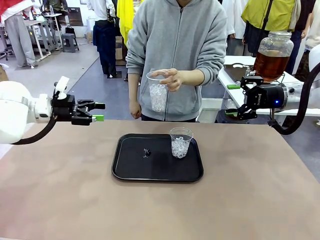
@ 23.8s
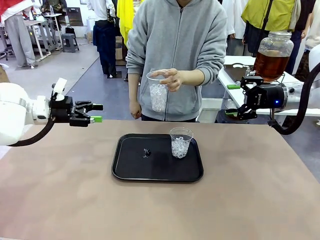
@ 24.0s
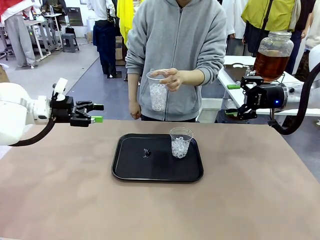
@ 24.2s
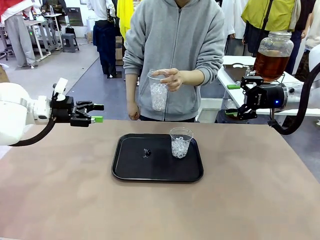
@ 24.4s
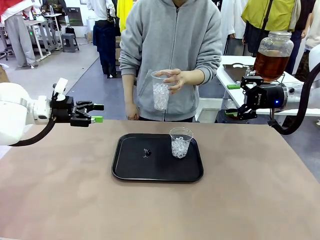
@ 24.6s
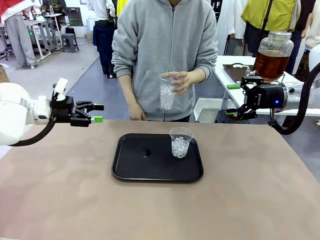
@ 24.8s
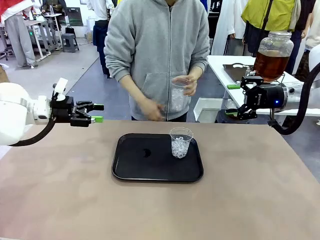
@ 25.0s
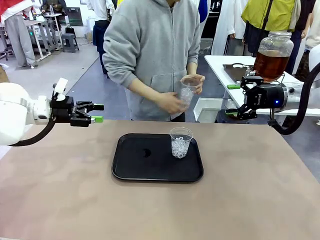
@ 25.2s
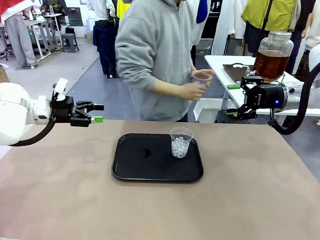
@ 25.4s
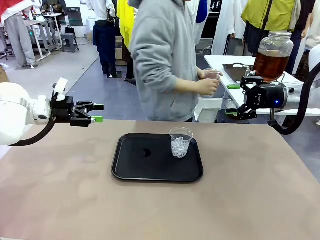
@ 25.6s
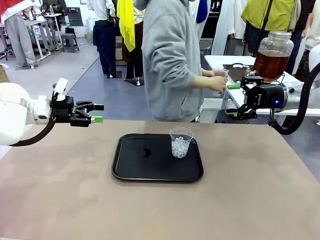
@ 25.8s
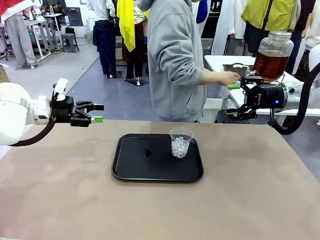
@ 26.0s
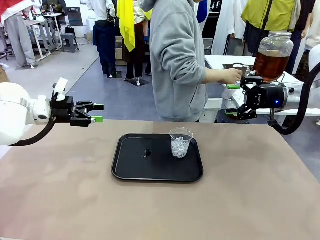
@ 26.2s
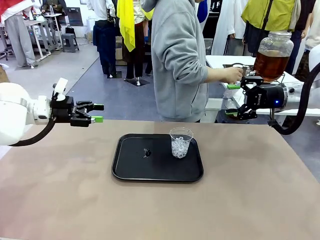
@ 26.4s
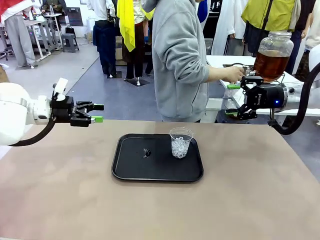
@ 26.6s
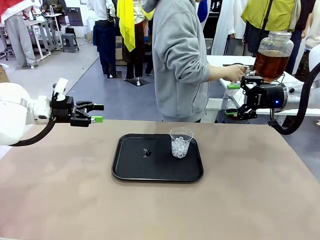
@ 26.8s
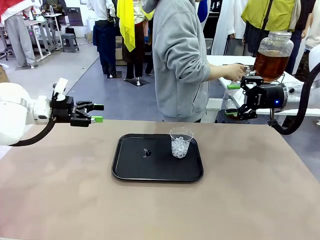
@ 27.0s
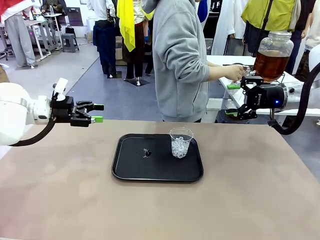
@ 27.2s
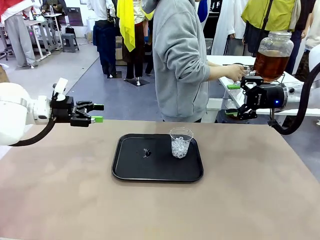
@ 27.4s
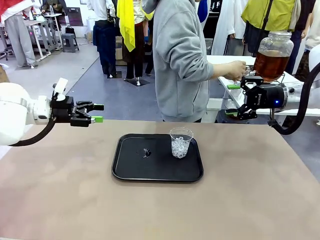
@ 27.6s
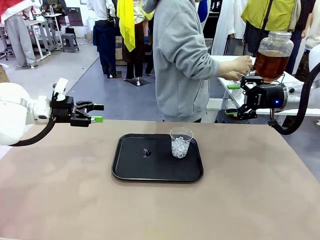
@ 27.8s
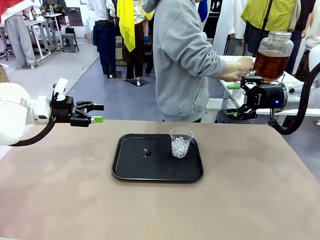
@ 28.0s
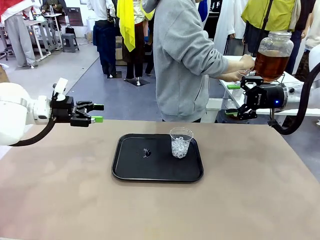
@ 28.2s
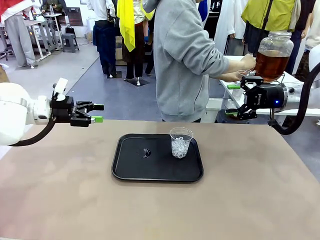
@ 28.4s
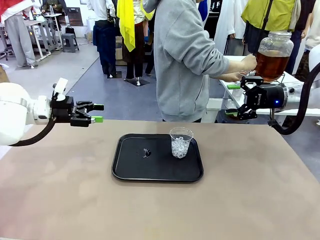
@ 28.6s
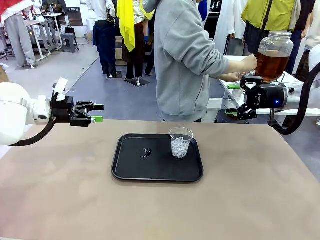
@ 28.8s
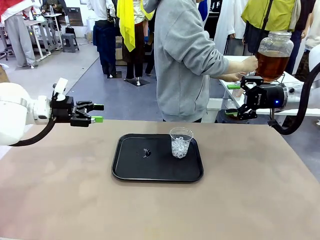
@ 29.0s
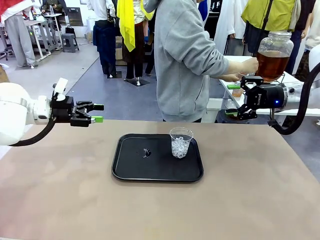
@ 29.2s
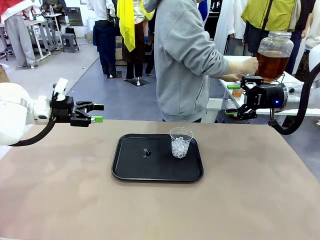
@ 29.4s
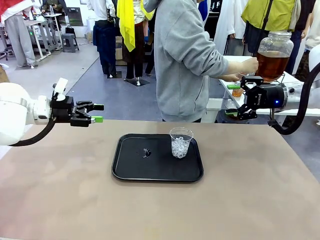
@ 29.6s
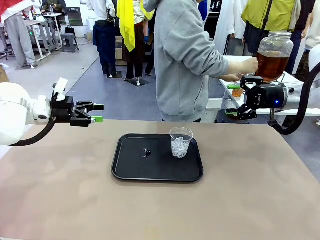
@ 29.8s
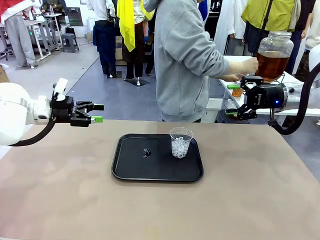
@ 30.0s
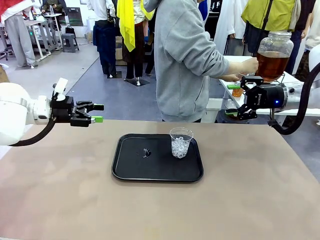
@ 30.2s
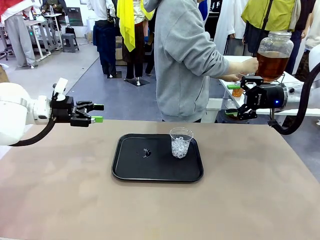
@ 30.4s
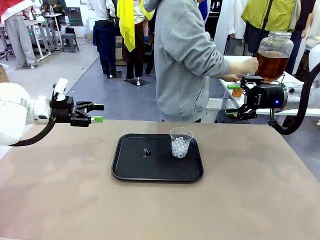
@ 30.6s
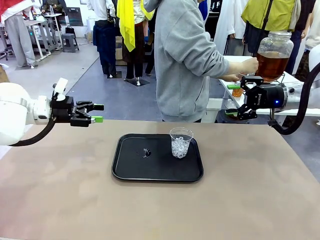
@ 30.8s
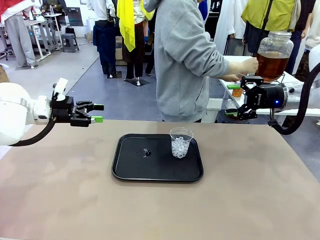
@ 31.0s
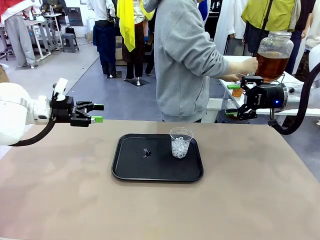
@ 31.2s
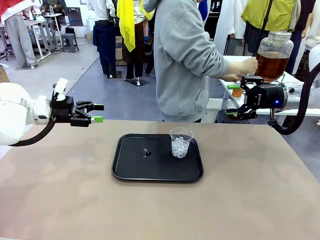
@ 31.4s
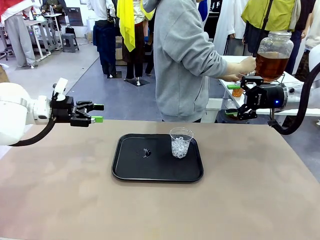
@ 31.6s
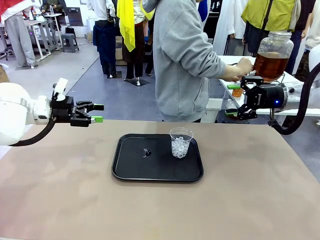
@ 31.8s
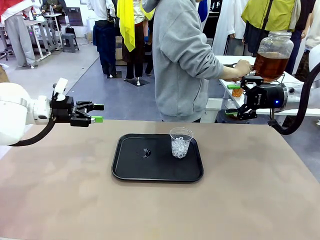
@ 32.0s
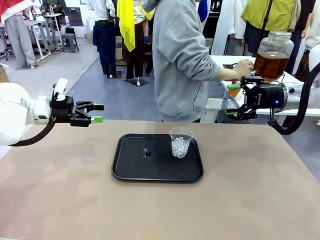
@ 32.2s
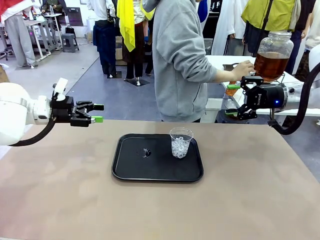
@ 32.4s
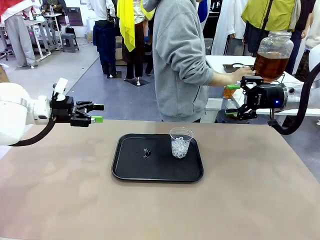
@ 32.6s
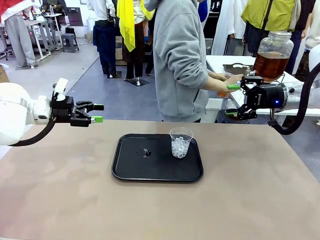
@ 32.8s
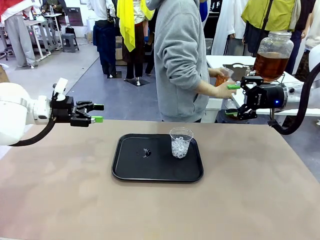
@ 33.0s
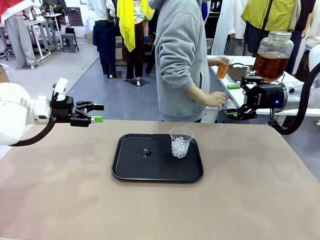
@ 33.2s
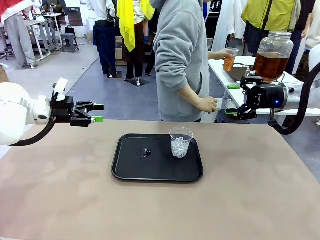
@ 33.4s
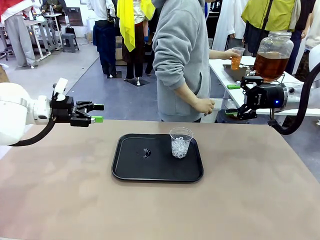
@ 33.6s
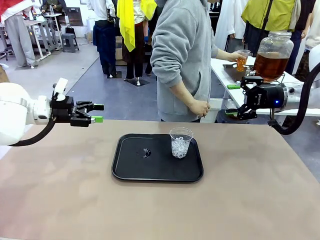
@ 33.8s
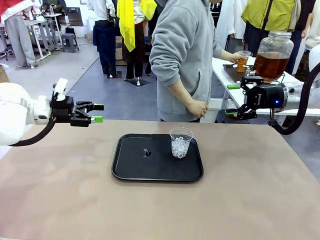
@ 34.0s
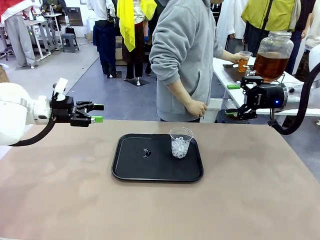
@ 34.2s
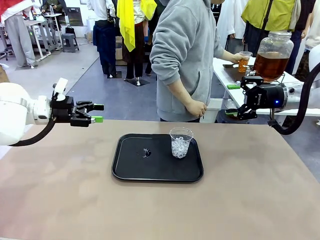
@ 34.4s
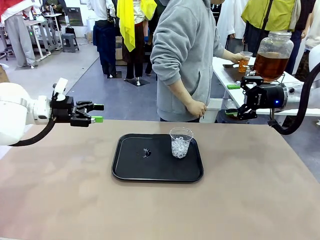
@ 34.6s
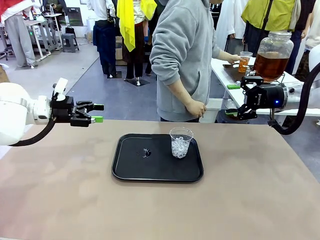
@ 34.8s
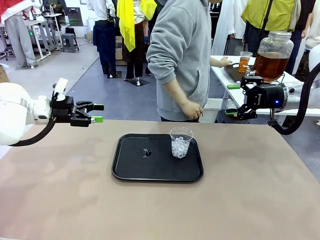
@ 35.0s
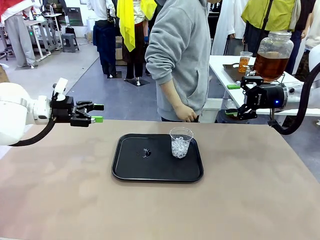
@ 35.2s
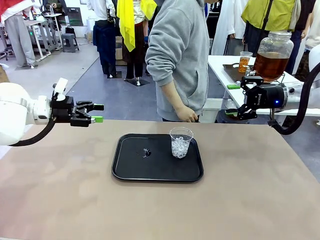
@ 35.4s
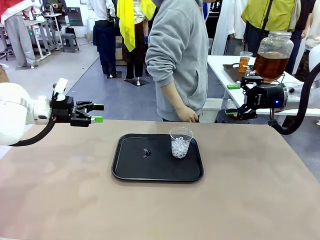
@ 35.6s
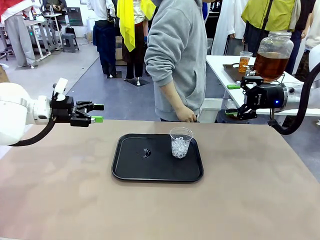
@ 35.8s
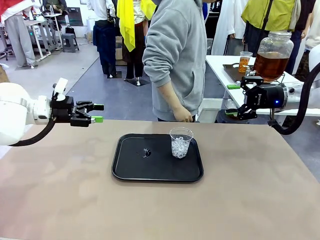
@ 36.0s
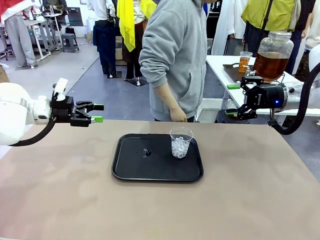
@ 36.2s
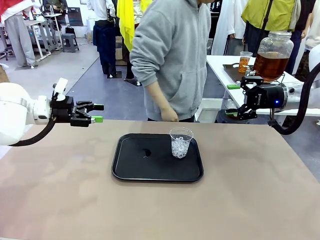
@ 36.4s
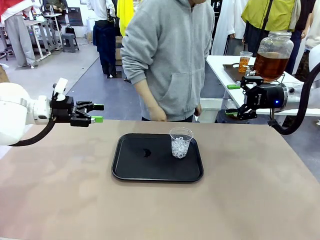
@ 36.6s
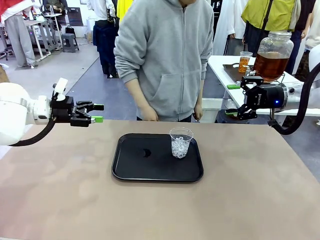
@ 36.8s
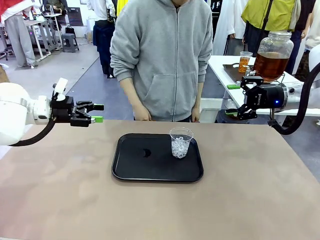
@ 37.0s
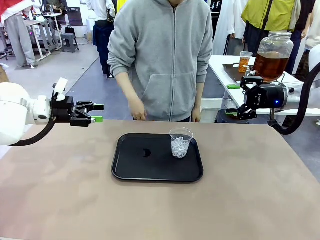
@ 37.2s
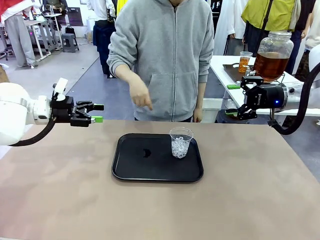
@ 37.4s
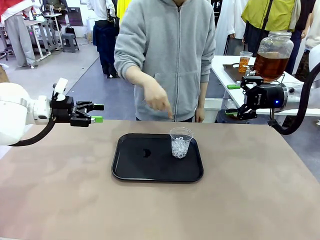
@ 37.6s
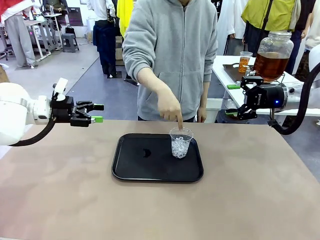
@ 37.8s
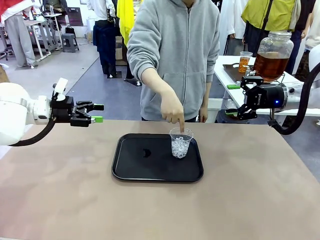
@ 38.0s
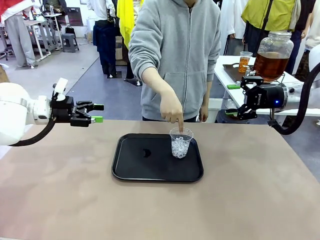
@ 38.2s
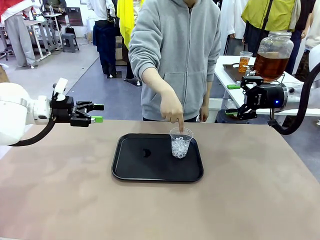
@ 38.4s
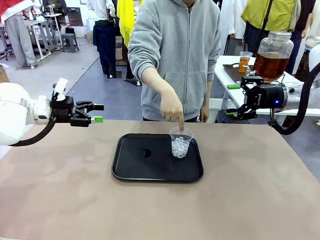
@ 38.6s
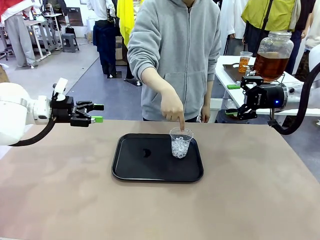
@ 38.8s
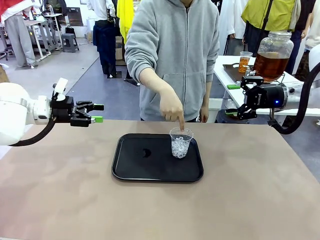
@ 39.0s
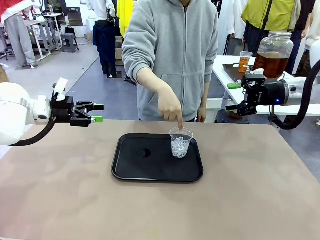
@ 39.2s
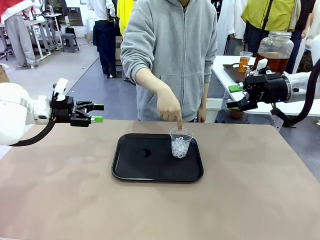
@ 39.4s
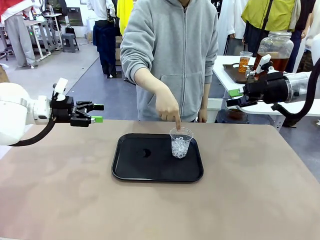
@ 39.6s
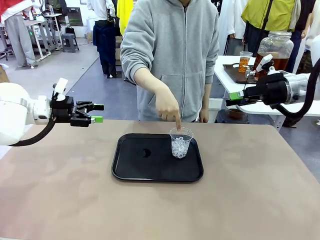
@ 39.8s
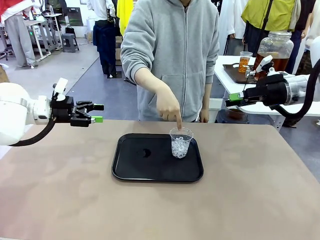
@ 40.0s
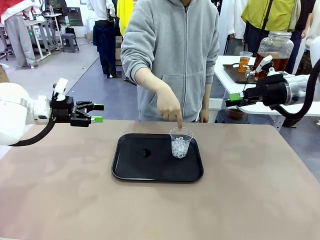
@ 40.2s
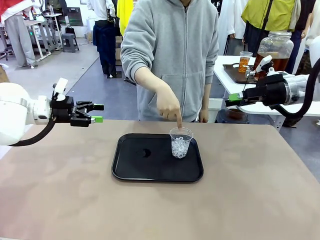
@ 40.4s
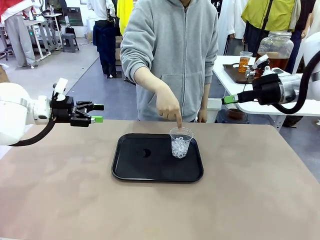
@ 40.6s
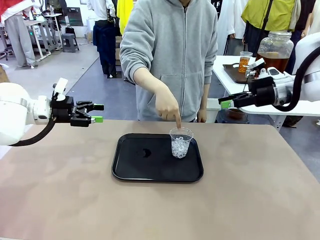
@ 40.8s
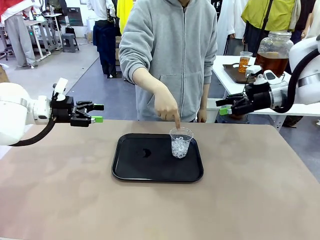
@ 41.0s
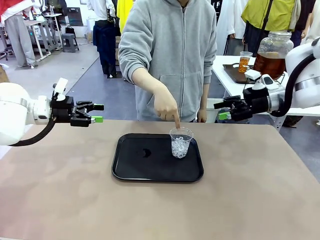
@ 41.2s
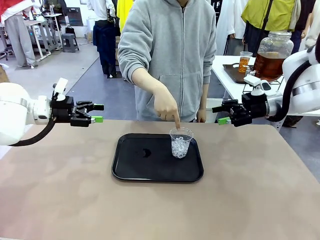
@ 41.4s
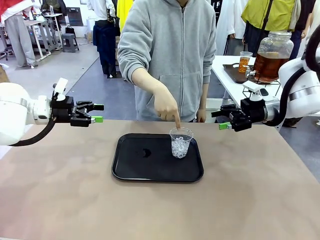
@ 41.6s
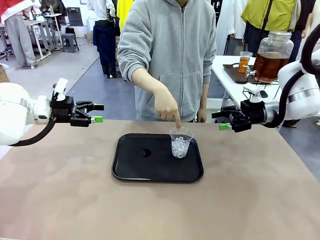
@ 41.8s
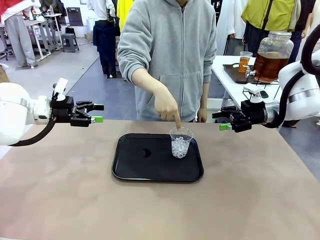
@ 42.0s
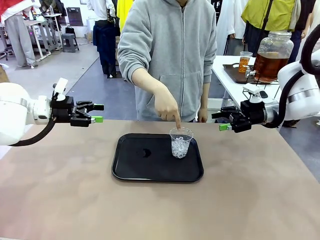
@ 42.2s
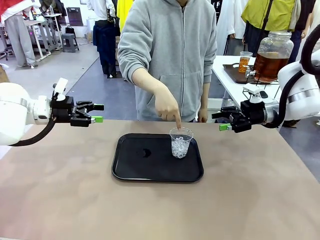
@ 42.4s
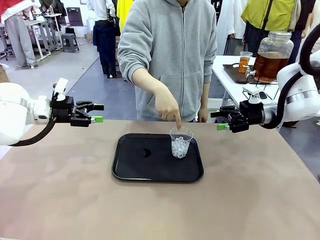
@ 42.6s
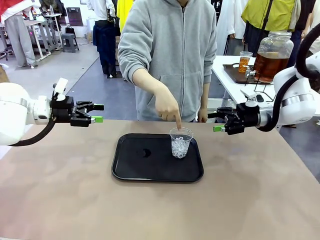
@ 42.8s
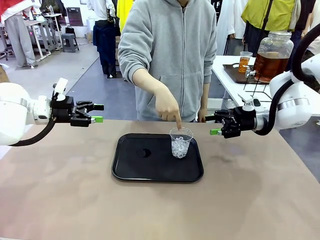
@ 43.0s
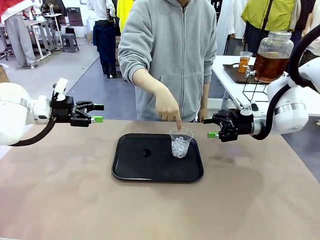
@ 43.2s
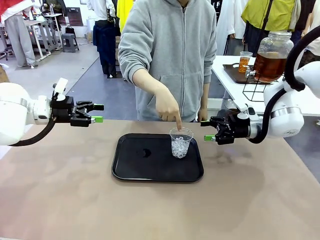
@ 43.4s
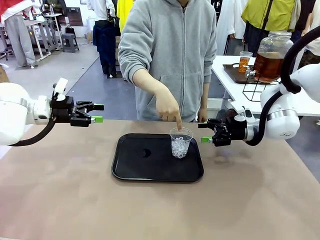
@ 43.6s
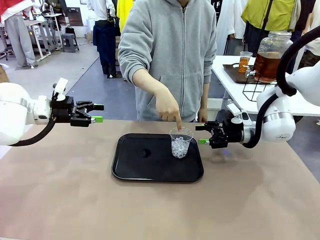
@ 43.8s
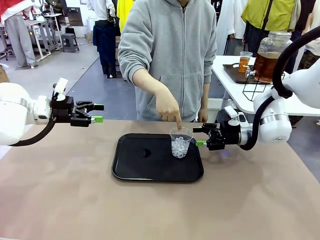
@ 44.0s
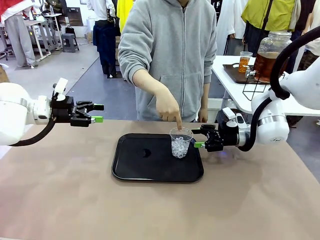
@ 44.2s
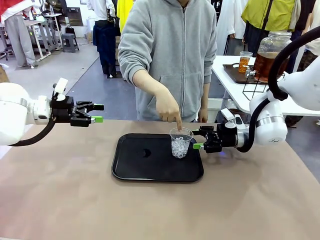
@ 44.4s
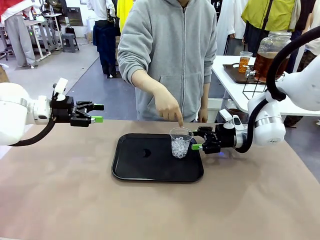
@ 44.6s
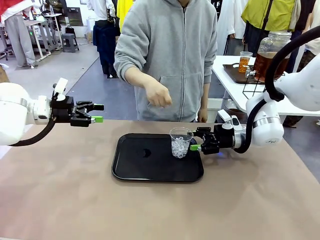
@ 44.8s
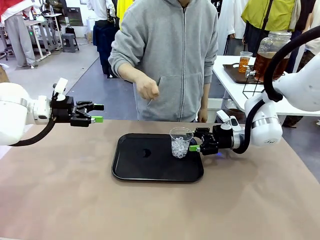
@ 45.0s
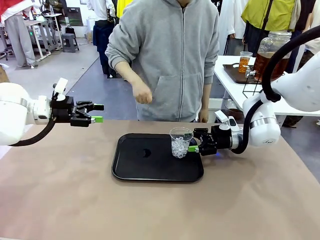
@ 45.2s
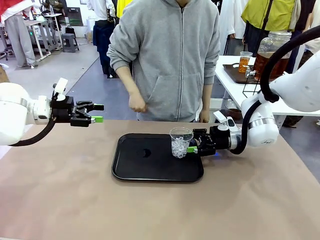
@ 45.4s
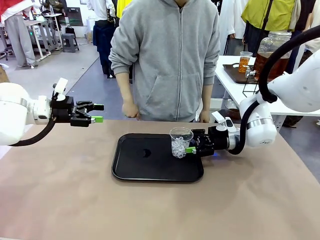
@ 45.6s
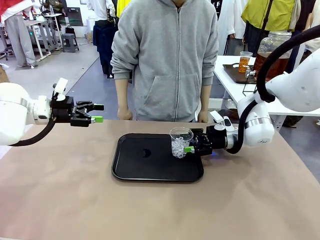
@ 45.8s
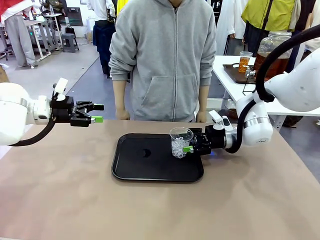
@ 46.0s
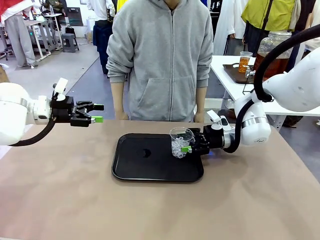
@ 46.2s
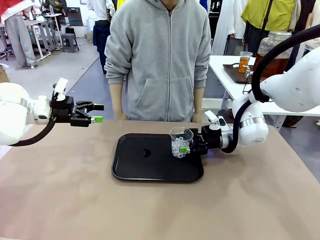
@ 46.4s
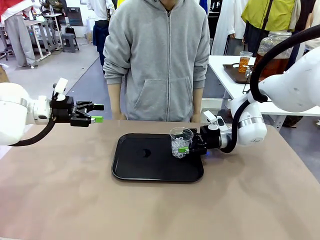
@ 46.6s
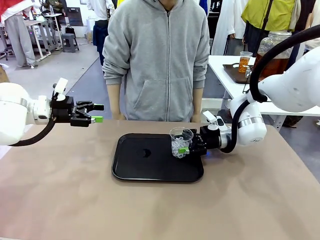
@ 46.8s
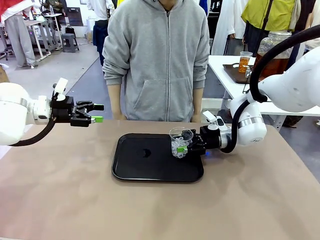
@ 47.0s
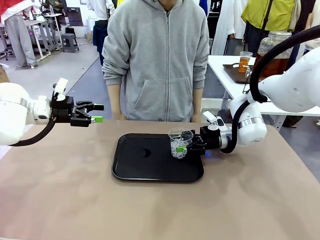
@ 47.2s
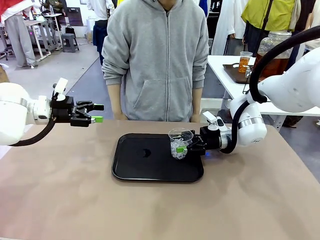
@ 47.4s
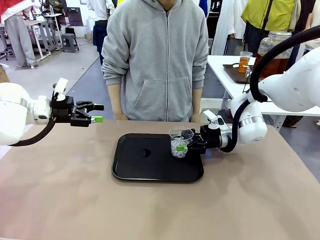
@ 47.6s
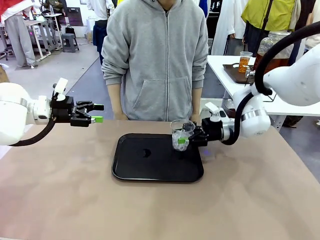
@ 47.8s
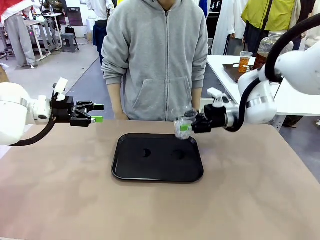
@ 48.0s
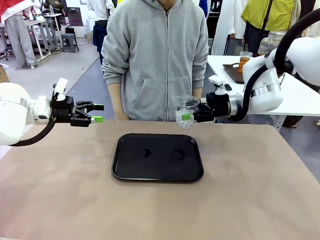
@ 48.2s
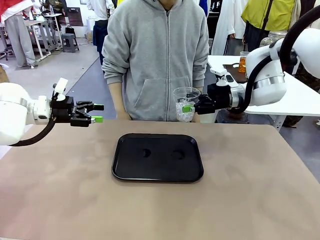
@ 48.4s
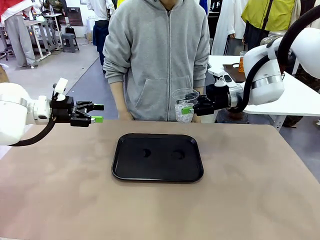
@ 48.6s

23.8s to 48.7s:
Task: Pour the drink into the iced cup.
Robot: Pick up the iced cup indicated by the human and present it to them.
Person: Move the picked-up cup under the dispenser faucet, pour the drink, and place it on the tray on the human table. Point to the remaining ice cup on the robot table. Pick up the cup offered by the robot.
